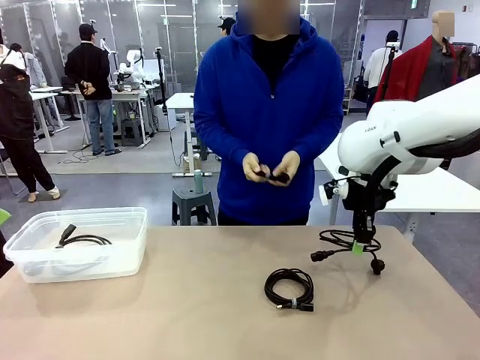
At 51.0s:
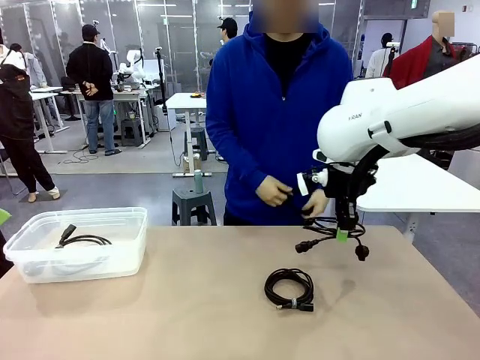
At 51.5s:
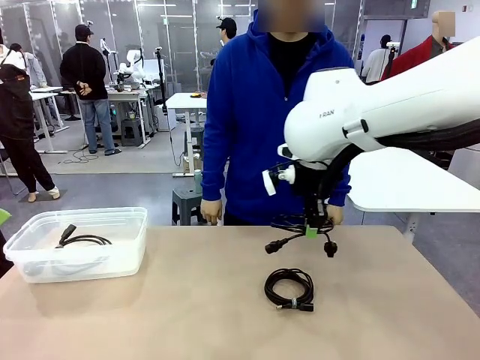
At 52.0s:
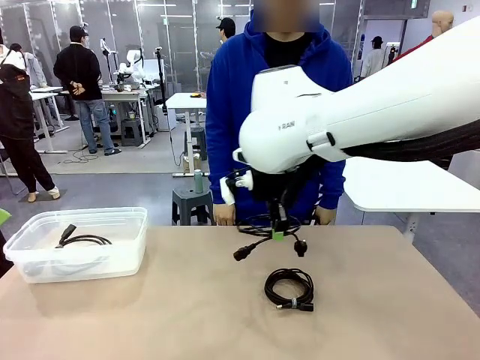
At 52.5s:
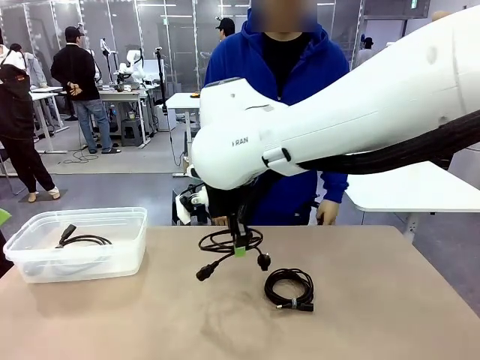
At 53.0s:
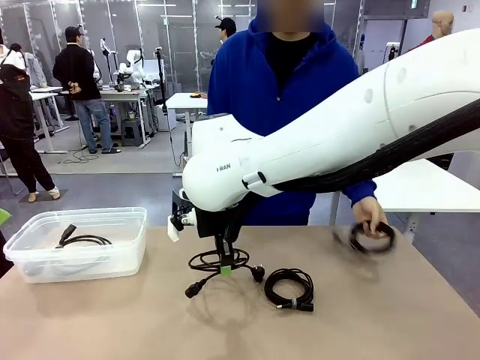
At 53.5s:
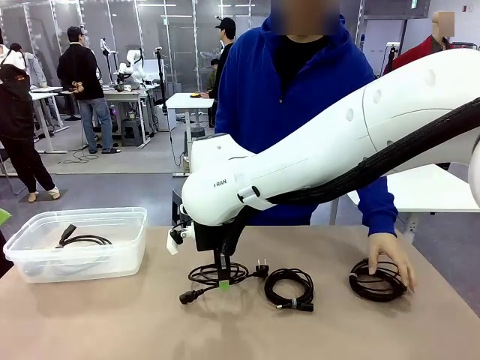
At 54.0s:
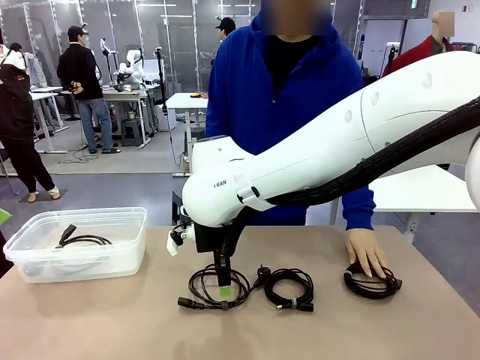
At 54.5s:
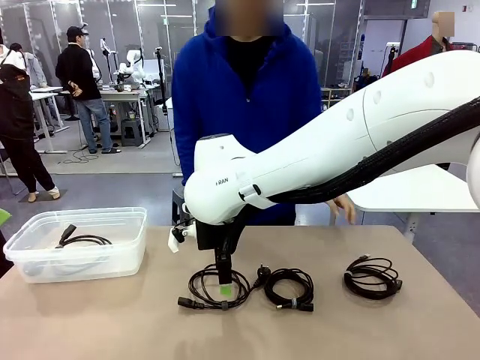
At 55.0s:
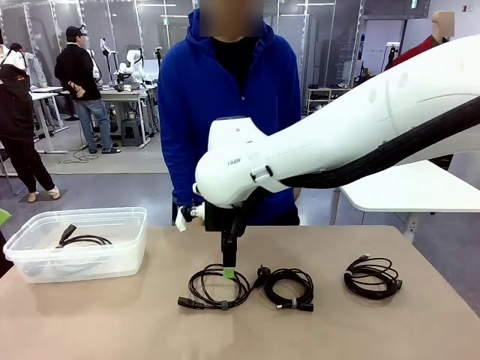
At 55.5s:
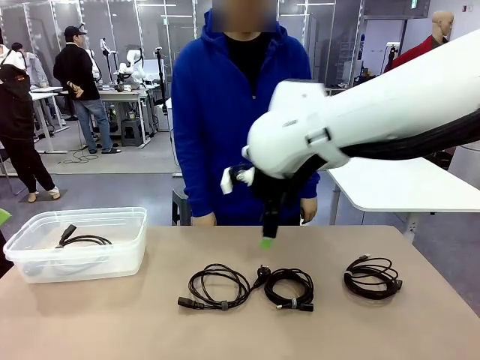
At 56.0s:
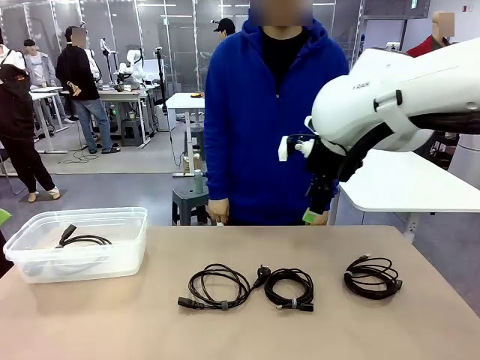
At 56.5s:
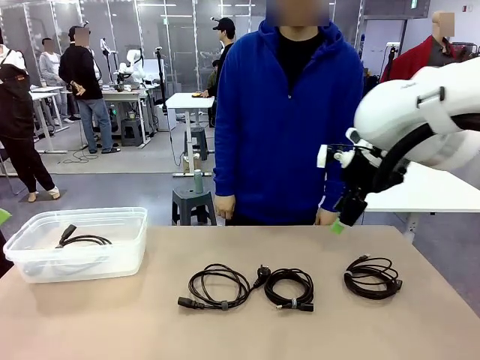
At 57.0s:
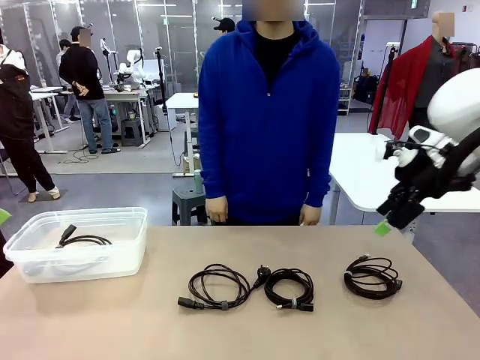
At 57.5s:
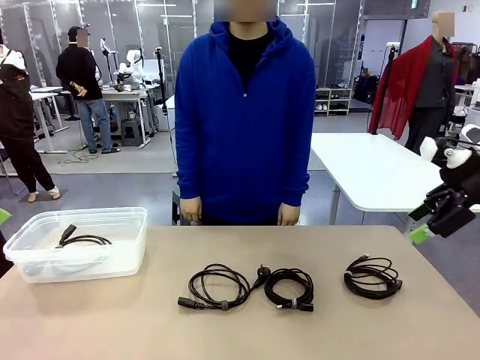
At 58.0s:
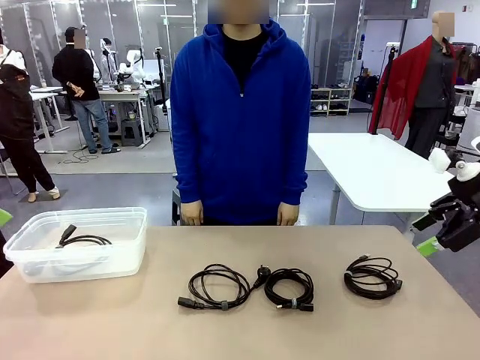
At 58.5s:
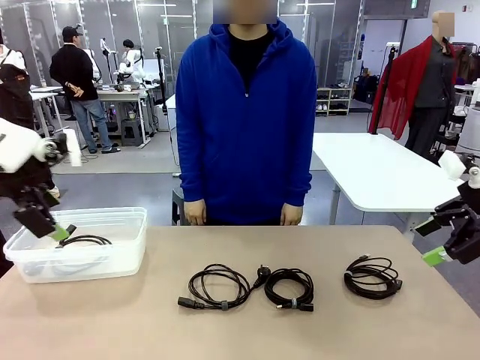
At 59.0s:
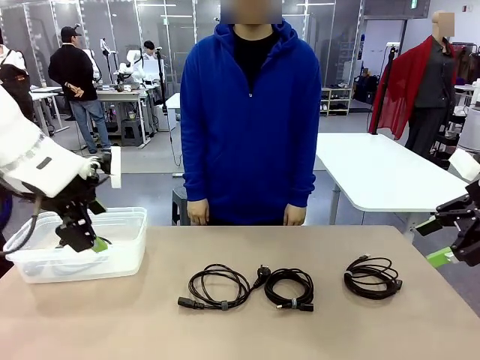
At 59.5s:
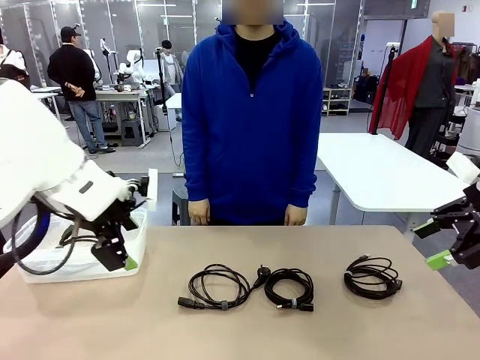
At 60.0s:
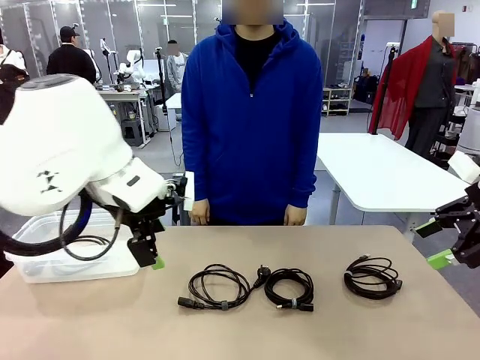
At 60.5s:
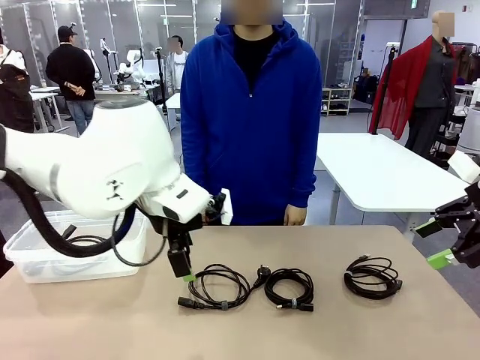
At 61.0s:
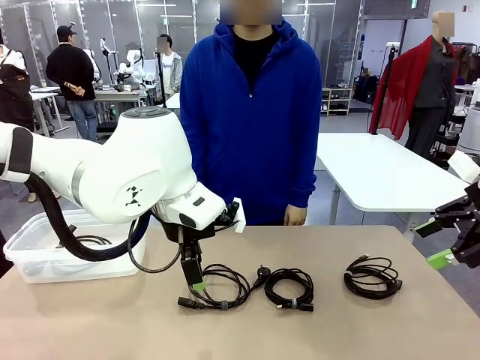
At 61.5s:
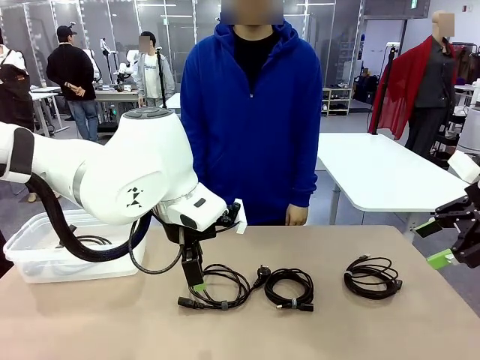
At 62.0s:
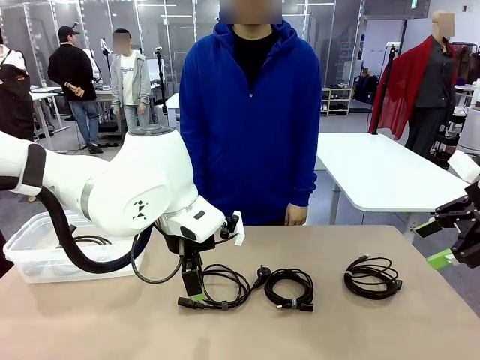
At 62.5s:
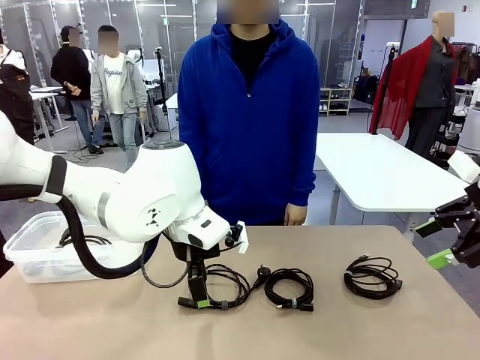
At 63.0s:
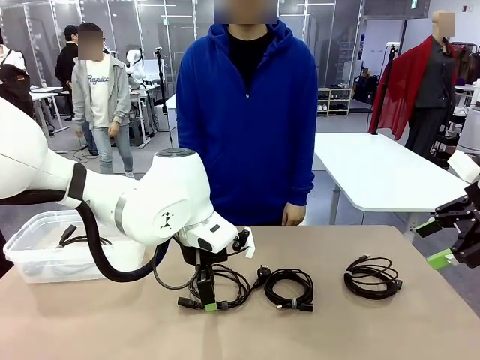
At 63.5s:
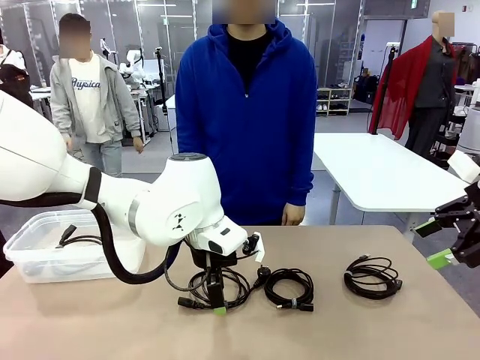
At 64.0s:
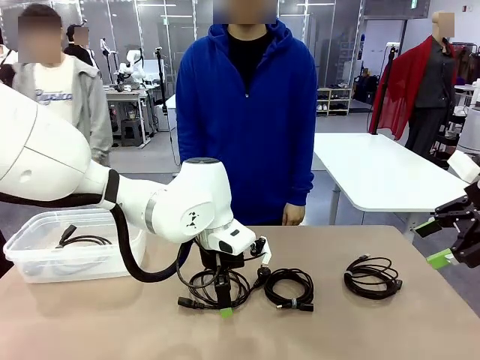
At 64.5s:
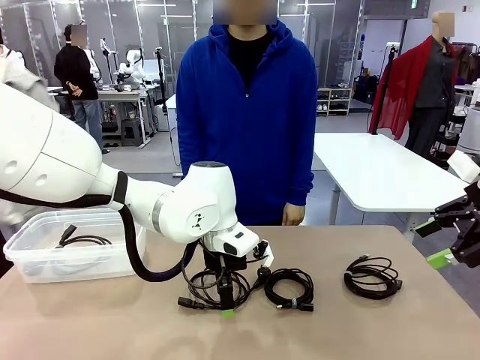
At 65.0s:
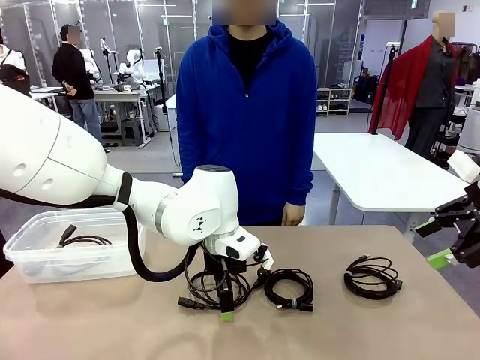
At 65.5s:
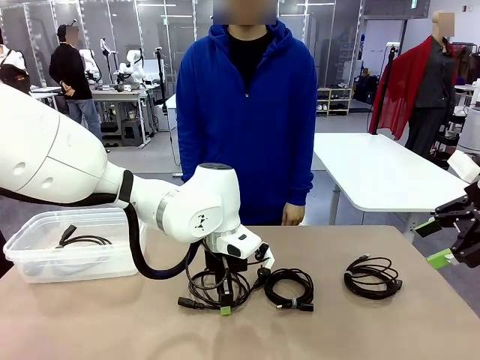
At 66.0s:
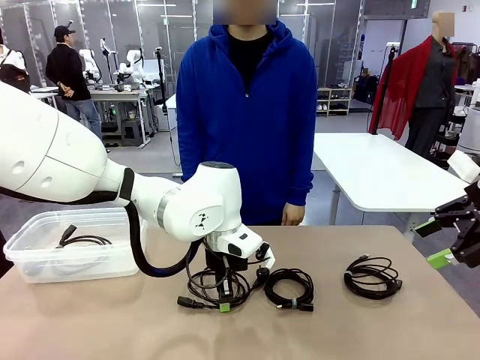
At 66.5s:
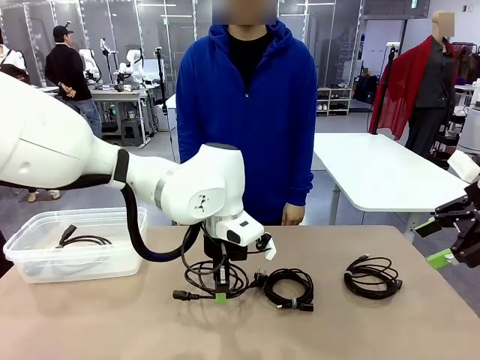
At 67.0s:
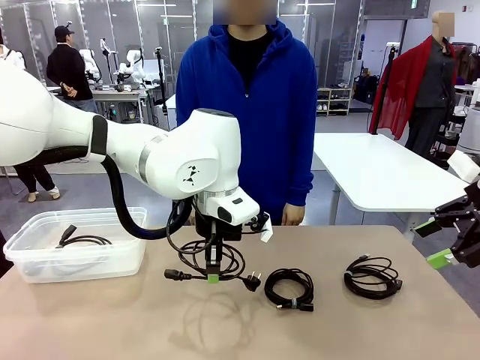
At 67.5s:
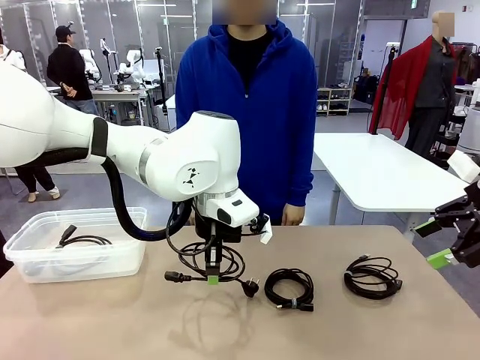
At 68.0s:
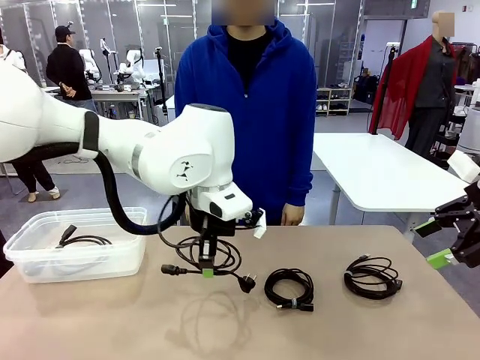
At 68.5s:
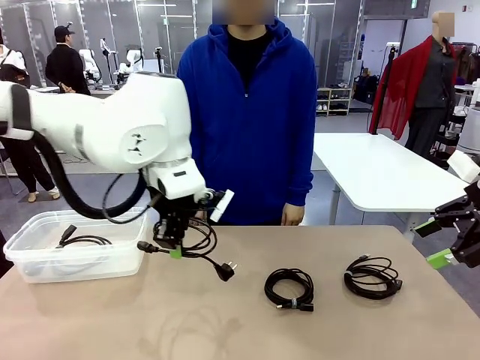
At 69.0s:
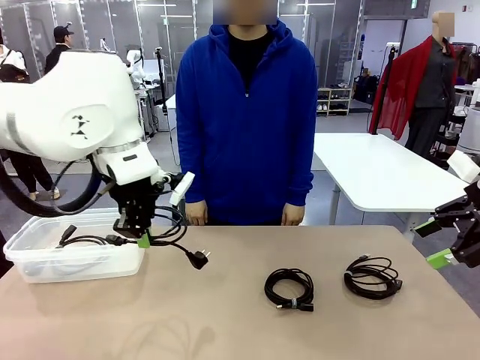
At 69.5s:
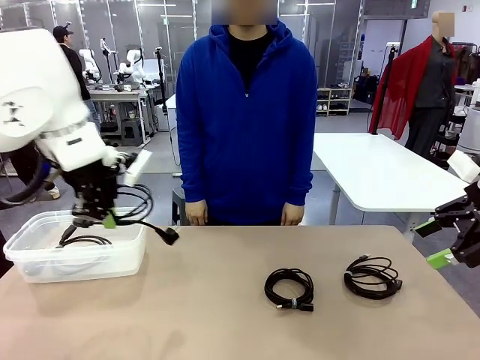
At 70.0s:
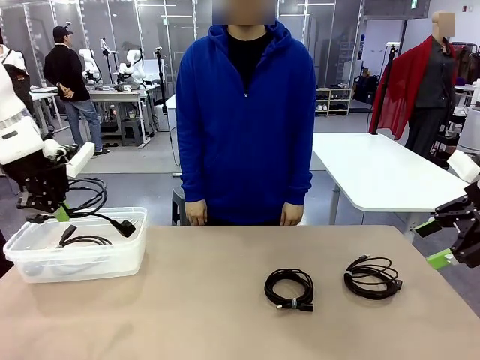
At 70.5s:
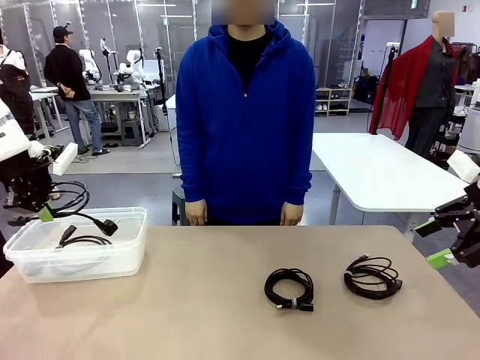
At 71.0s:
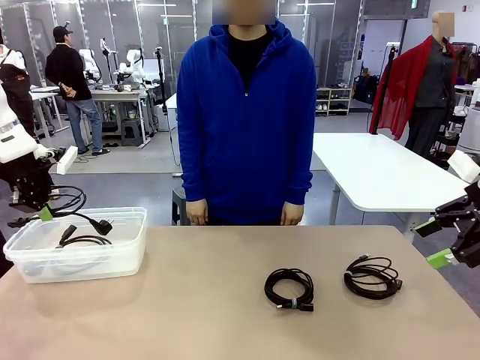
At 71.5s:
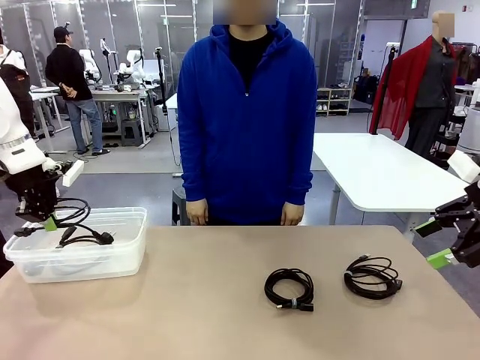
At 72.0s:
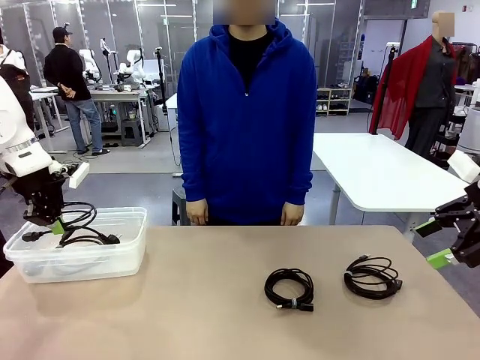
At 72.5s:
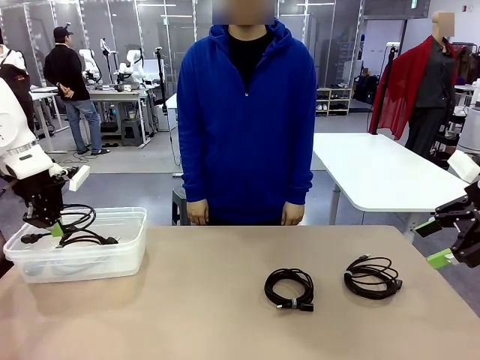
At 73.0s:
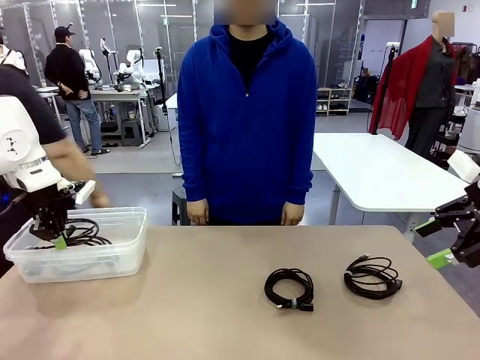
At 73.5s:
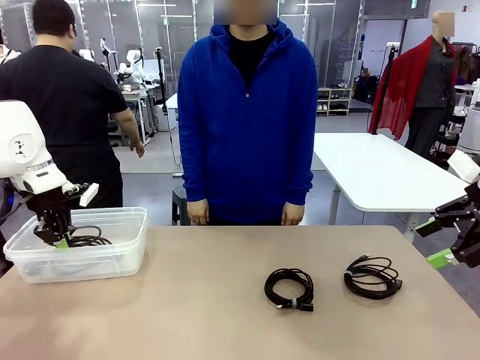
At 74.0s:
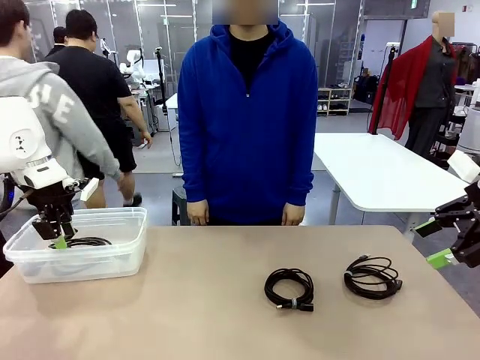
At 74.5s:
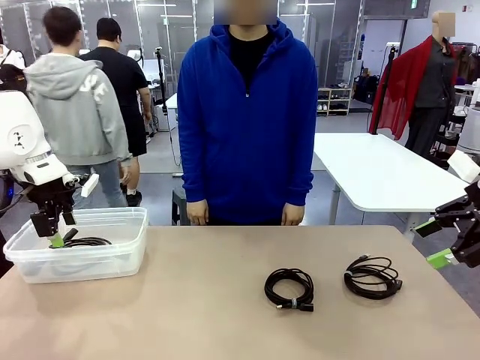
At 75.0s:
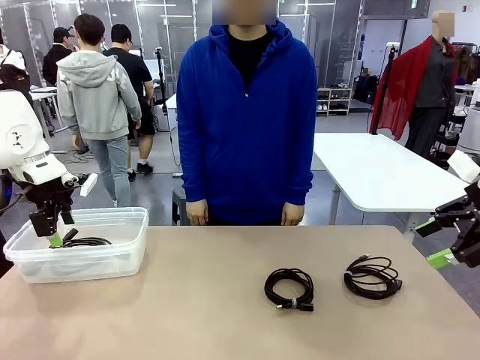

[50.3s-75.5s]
Task: Organize and store the cables.
Robot: Place the Power Cable into the Organizing box.
